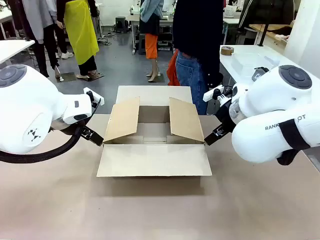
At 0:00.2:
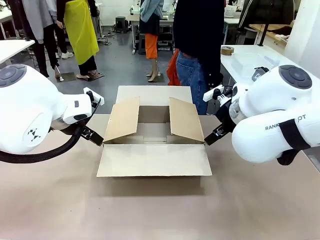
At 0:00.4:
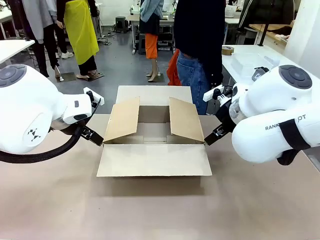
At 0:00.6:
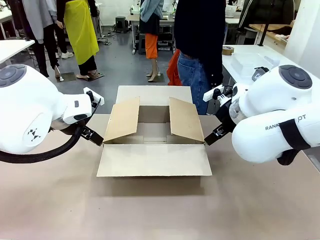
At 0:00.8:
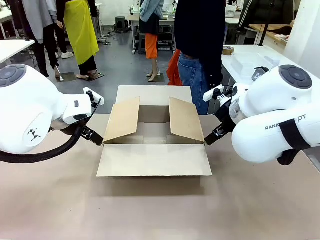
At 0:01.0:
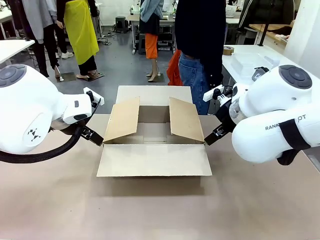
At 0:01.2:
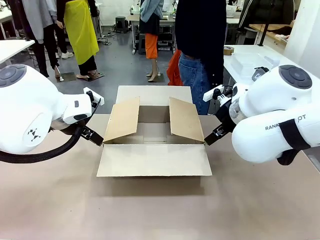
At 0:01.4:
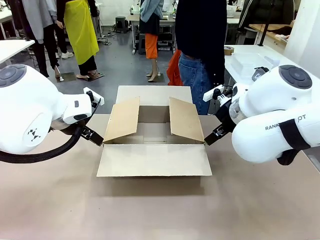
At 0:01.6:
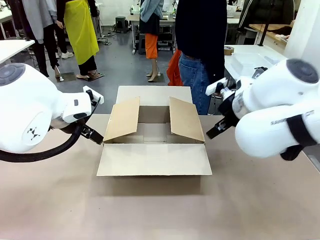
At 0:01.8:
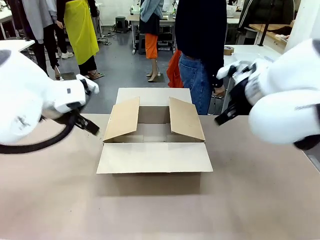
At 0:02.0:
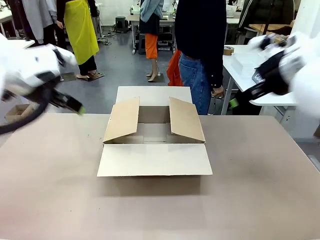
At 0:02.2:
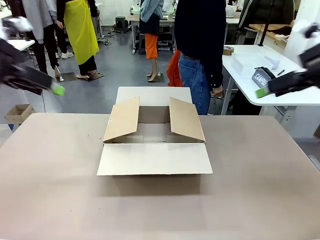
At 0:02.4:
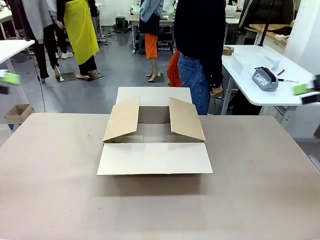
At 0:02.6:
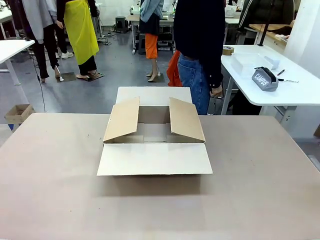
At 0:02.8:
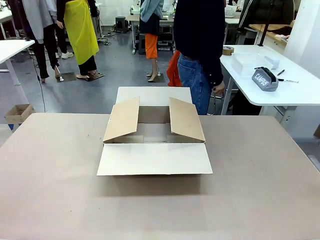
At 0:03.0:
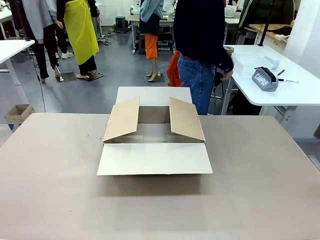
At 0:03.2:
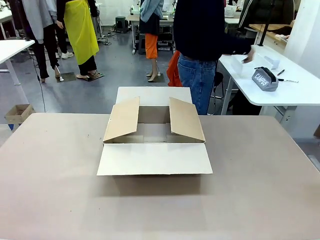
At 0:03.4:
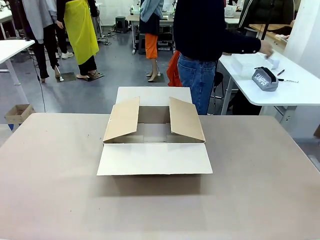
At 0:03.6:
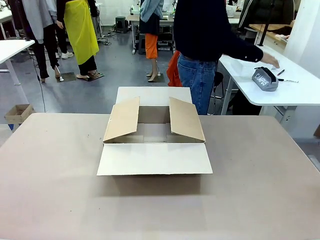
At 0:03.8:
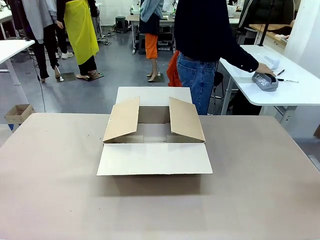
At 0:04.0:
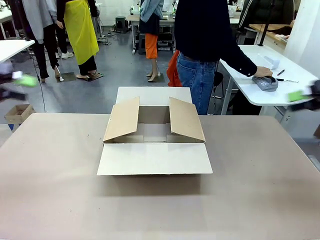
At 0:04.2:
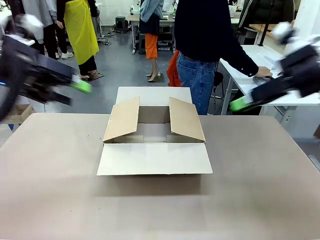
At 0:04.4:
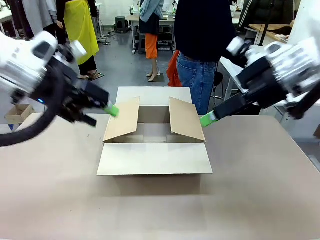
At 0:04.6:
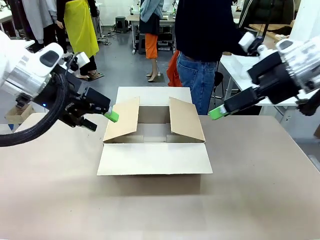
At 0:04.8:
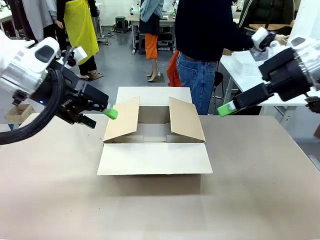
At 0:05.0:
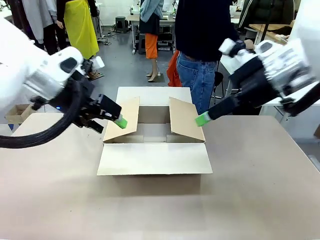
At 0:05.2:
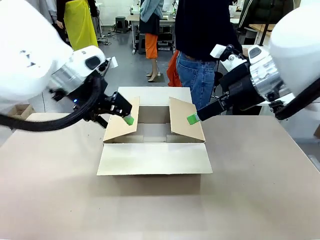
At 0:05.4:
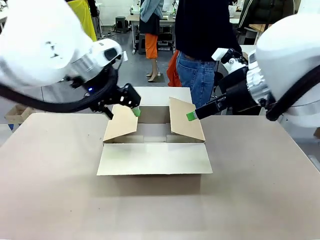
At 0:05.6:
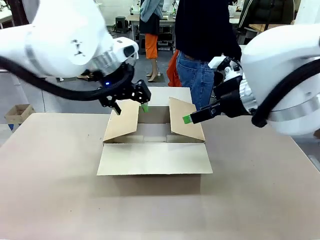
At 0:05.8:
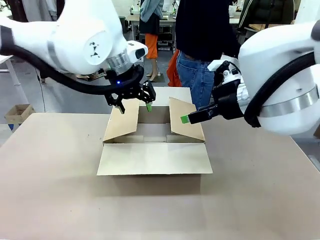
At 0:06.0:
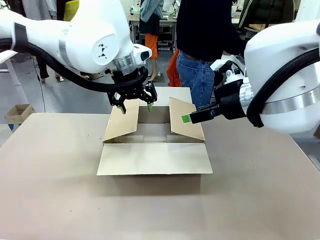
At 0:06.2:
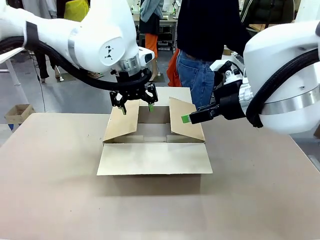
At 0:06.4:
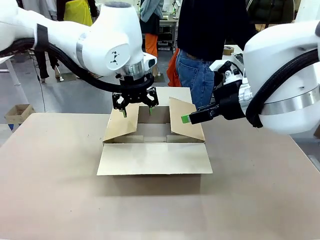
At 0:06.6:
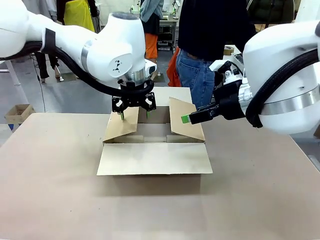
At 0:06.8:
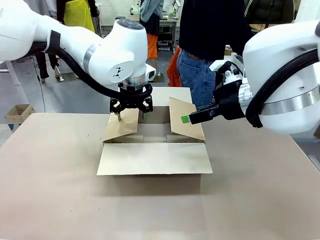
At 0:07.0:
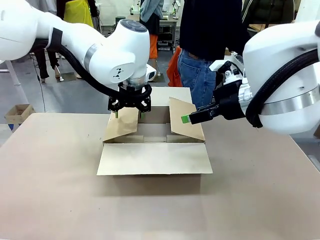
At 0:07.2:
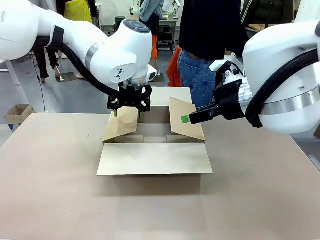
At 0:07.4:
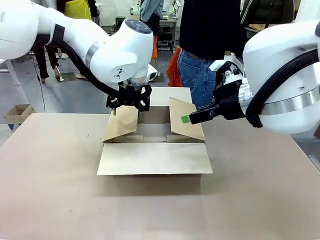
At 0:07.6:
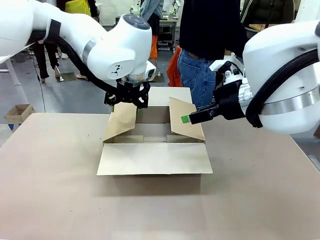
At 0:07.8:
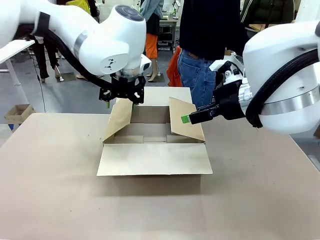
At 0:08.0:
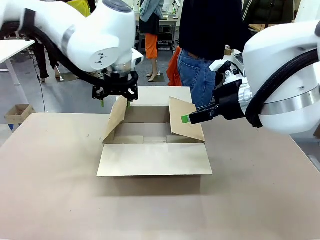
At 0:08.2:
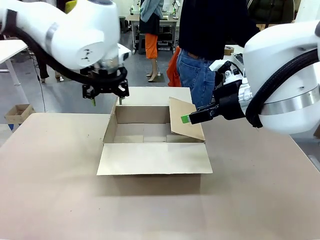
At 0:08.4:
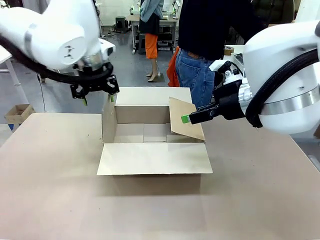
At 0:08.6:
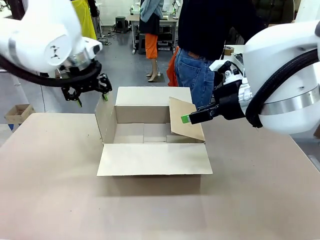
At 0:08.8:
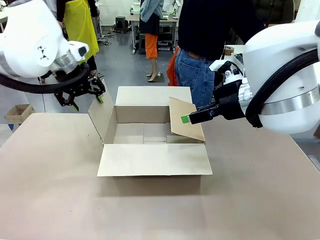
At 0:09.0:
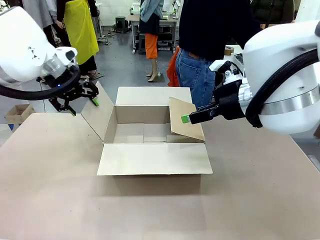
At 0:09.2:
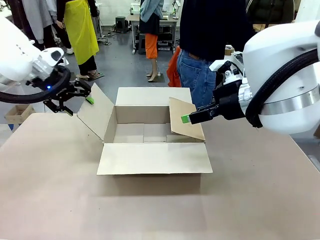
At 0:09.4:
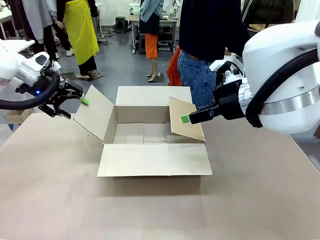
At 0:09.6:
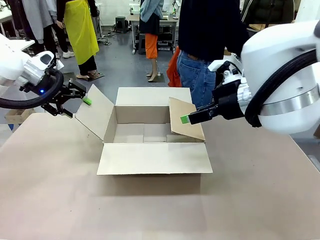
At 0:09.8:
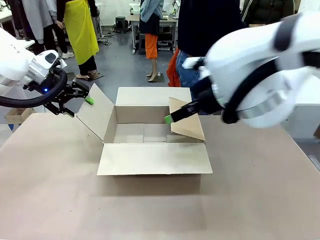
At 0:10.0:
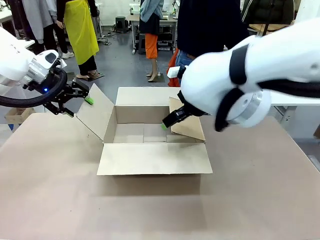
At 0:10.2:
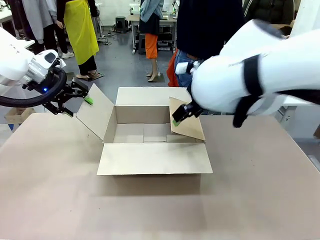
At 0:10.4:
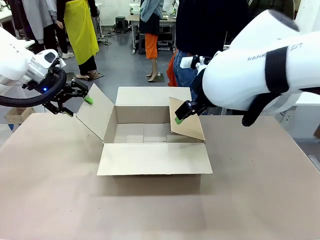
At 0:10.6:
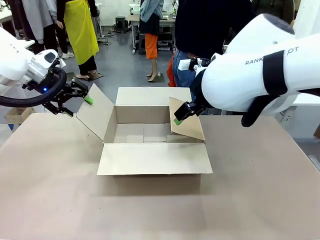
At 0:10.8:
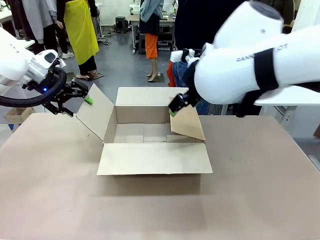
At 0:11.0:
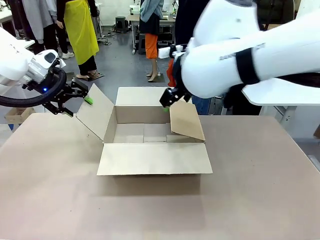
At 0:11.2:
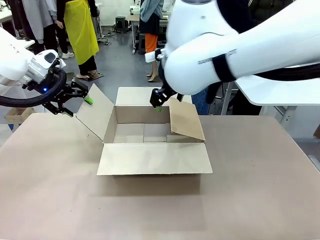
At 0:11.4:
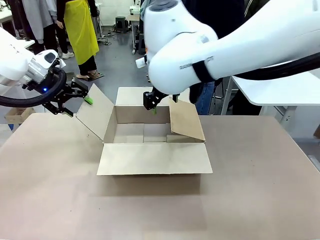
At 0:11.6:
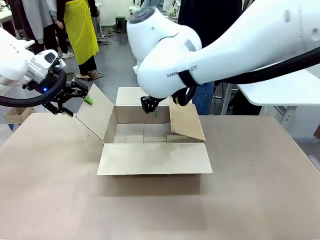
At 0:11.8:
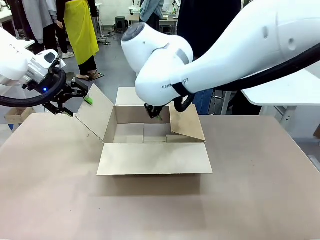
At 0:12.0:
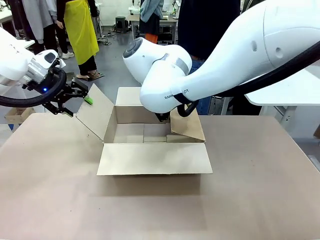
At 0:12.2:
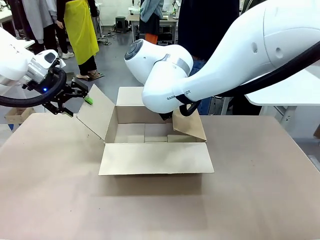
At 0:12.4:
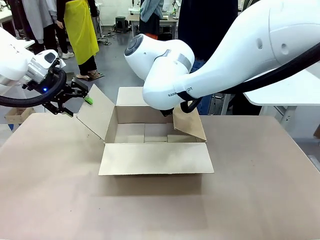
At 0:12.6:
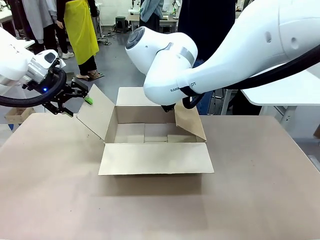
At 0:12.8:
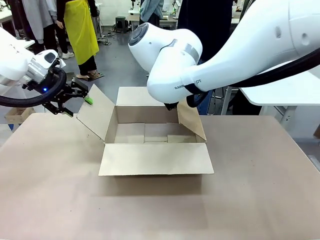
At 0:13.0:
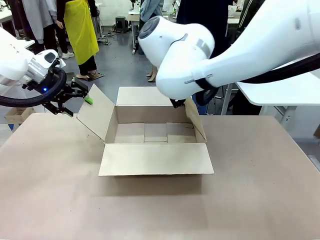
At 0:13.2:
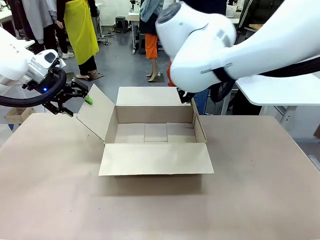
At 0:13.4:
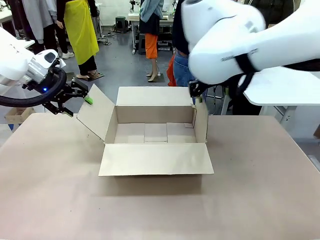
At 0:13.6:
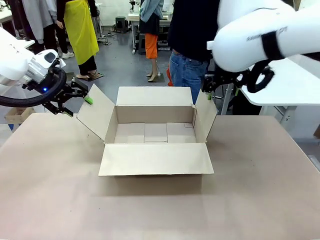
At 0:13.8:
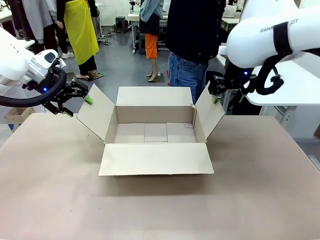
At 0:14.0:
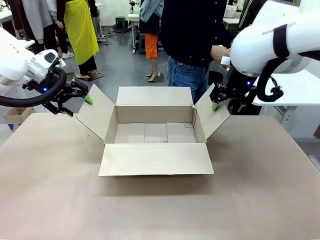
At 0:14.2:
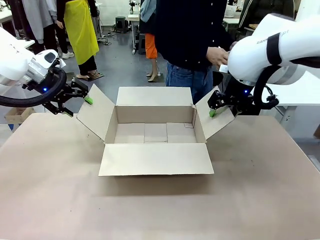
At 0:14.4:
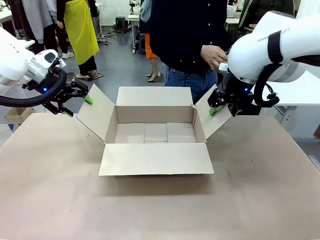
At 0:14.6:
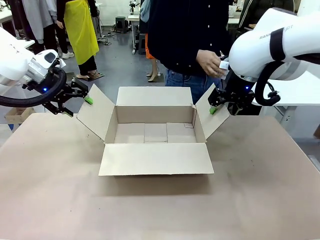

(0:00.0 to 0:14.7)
Task: Pack the gift set into the box.
Robot: Place both hands on the side flaps of the Package Box and spread them outward.
Person: The human places all items except the paper tape into the organizing basket.

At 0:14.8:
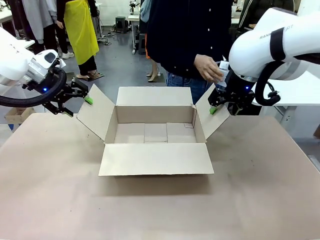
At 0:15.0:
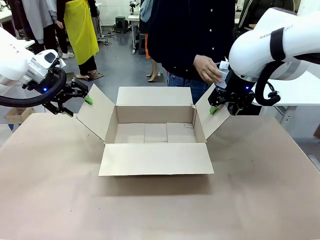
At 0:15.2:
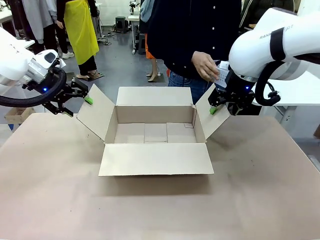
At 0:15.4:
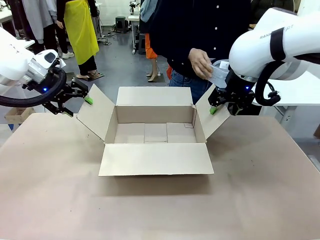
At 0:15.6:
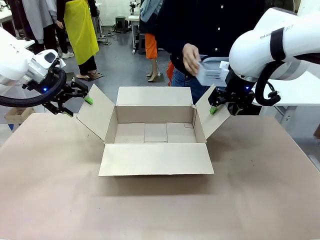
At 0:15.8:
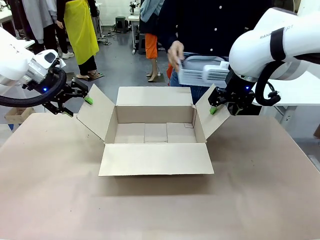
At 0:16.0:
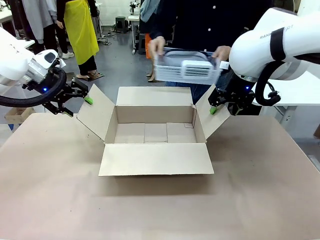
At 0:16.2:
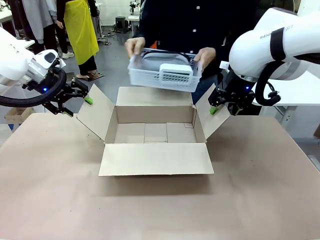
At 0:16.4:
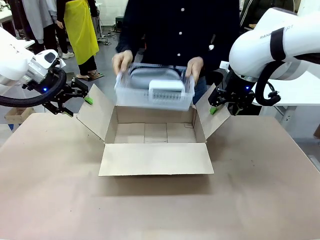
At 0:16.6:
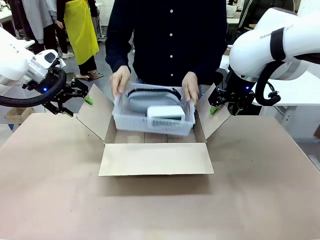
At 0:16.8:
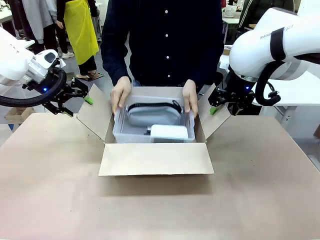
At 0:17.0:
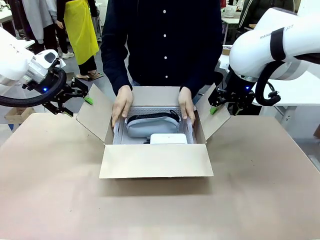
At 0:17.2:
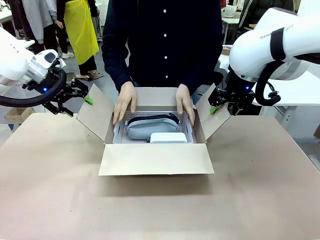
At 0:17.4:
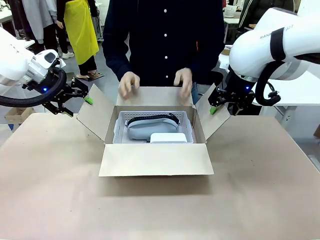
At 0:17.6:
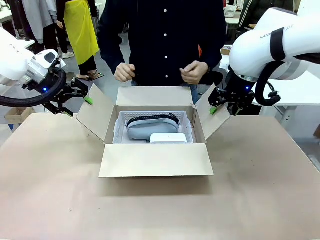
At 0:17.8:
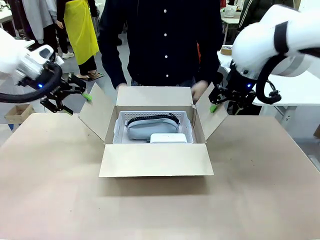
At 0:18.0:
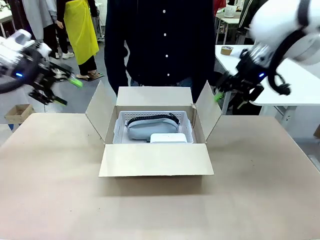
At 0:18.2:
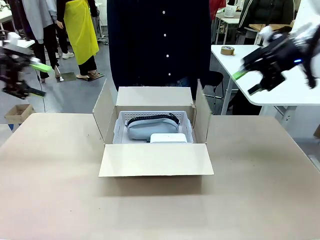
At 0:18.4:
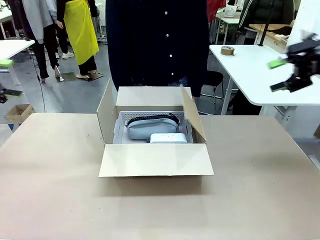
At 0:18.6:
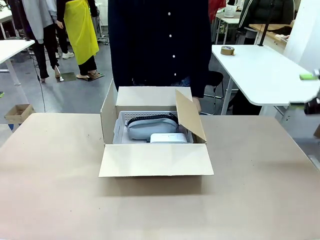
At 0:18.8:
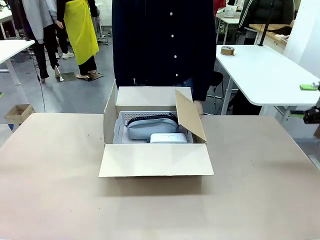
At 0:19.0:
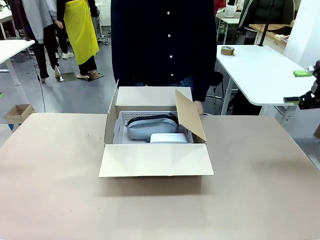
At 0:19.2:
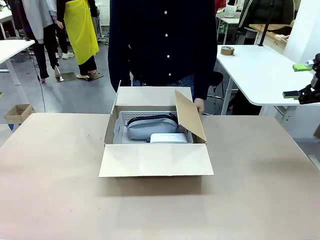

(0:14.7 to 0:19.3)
Robot: Lift both hands away from the flaps of the Package Box.
Person: The human picks up the organizing basket and places the organizing basket into the package box on the robot table.
